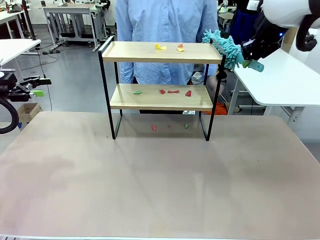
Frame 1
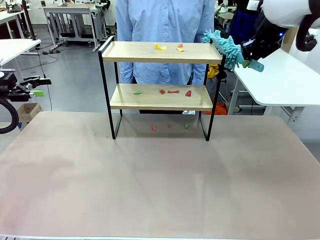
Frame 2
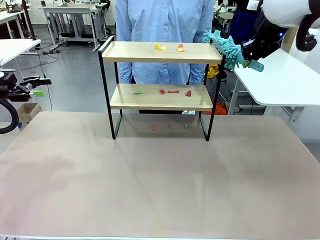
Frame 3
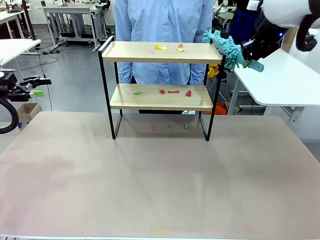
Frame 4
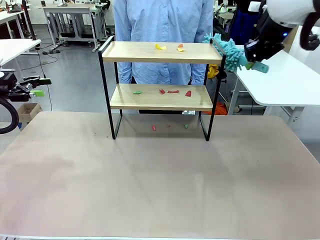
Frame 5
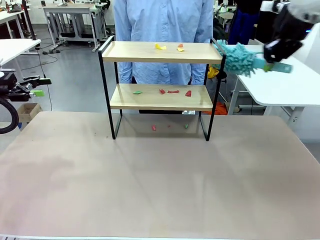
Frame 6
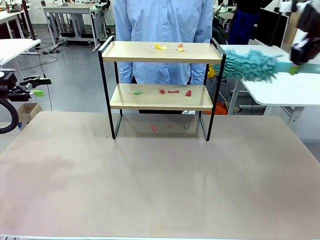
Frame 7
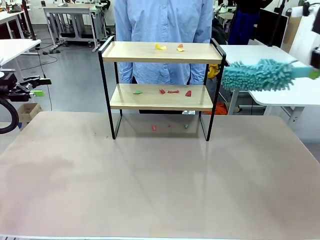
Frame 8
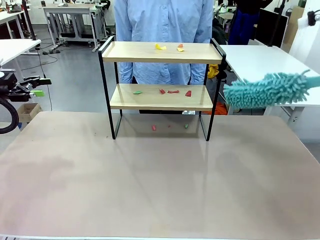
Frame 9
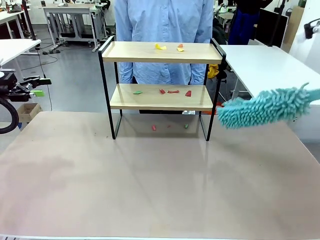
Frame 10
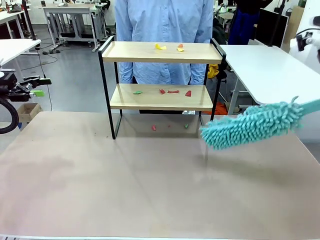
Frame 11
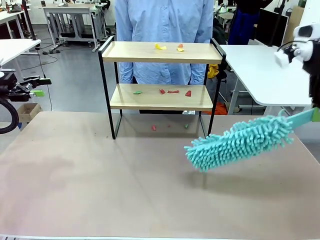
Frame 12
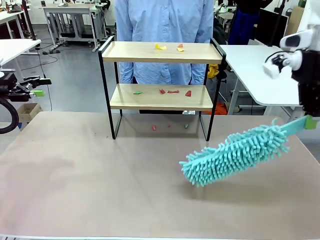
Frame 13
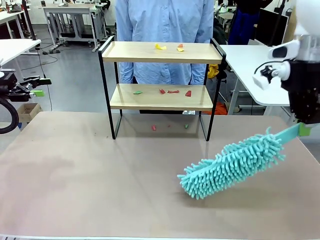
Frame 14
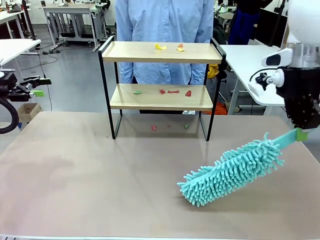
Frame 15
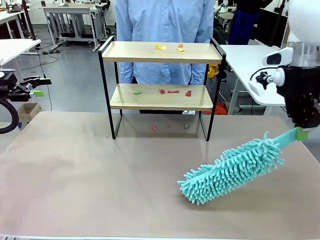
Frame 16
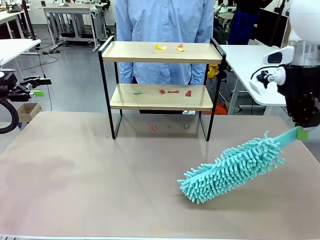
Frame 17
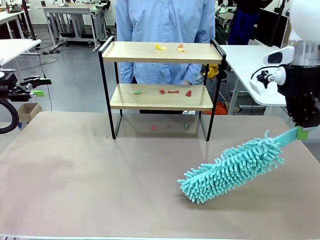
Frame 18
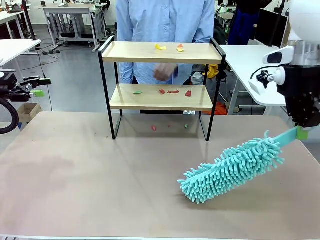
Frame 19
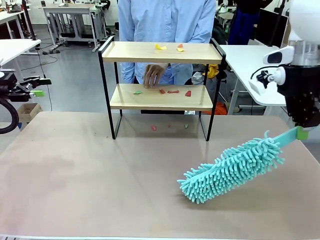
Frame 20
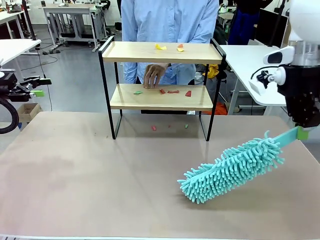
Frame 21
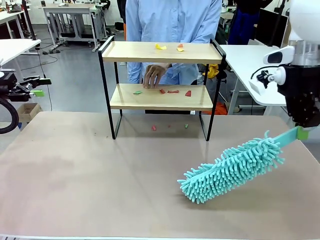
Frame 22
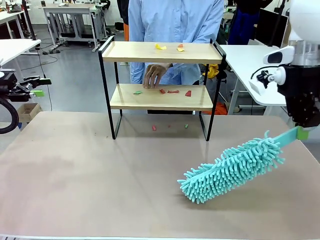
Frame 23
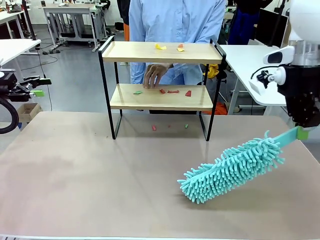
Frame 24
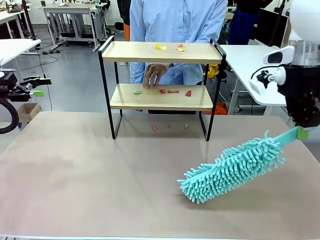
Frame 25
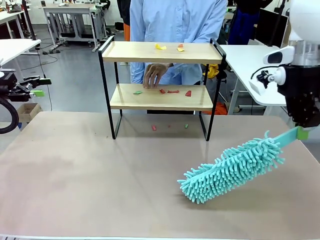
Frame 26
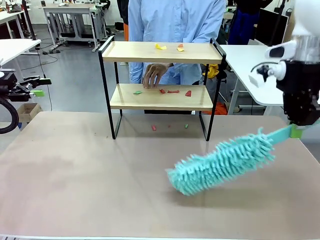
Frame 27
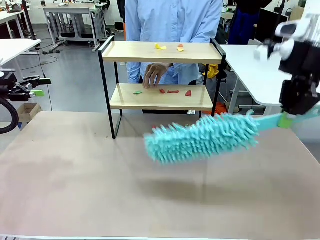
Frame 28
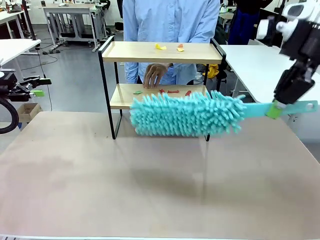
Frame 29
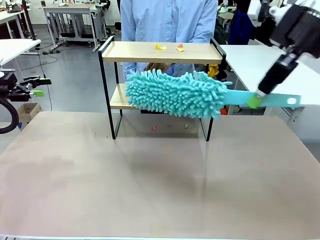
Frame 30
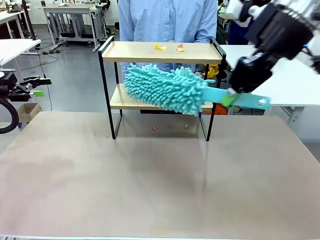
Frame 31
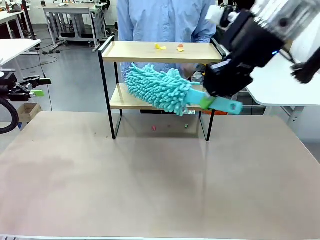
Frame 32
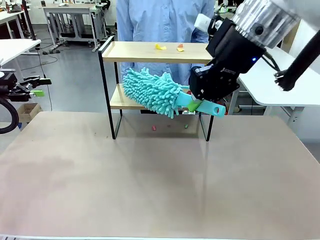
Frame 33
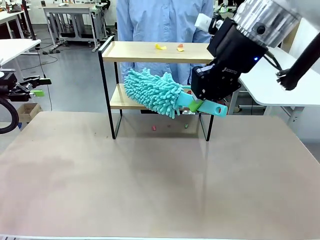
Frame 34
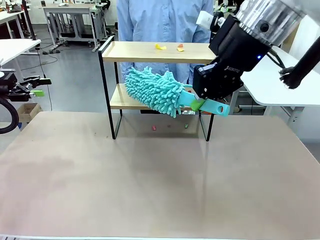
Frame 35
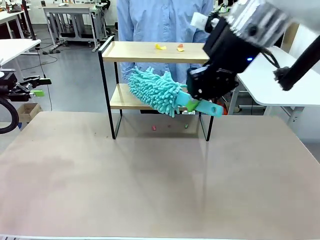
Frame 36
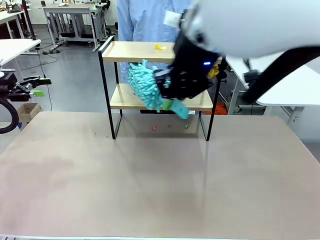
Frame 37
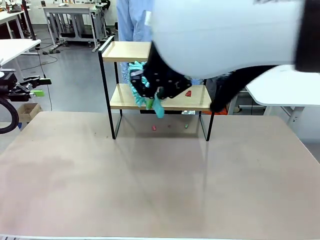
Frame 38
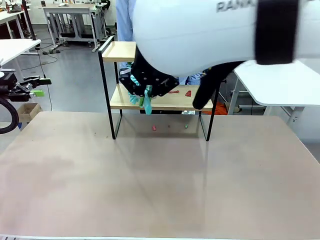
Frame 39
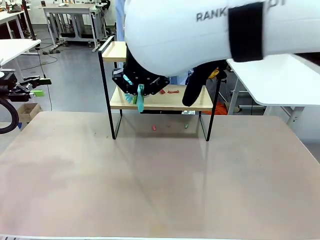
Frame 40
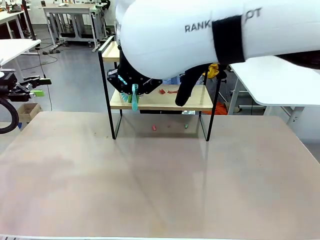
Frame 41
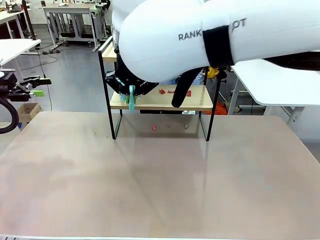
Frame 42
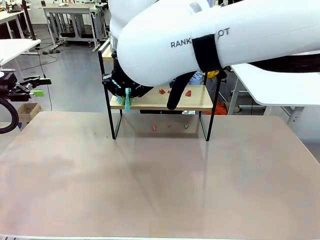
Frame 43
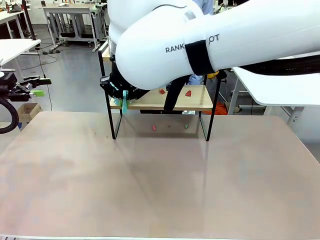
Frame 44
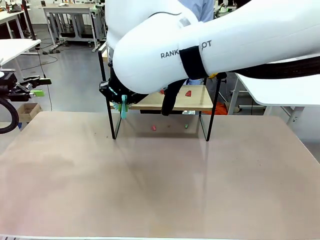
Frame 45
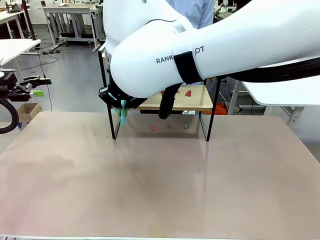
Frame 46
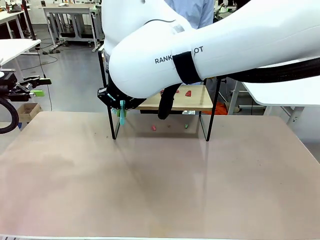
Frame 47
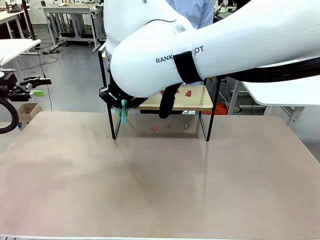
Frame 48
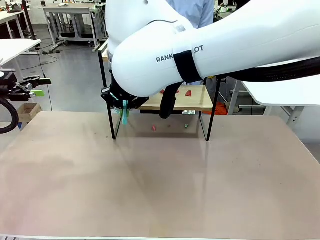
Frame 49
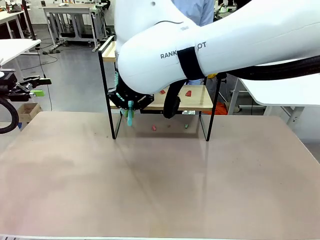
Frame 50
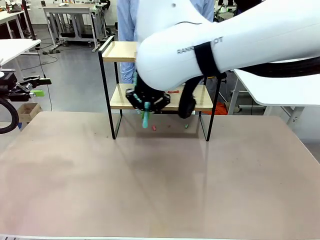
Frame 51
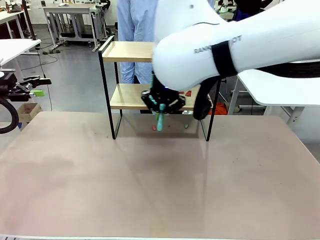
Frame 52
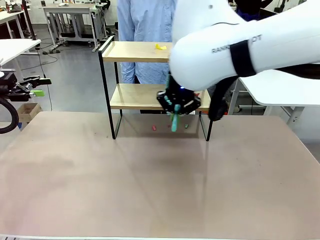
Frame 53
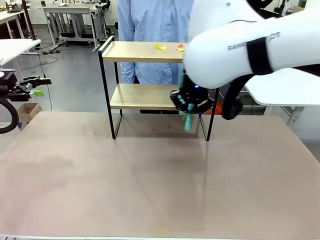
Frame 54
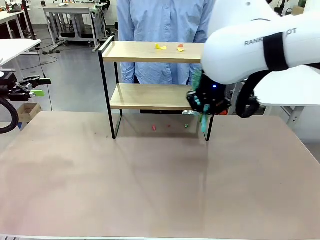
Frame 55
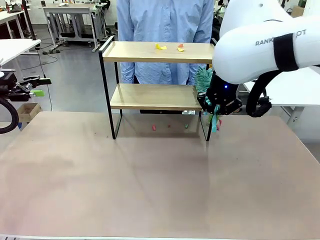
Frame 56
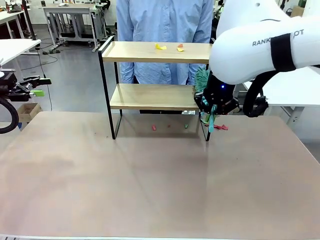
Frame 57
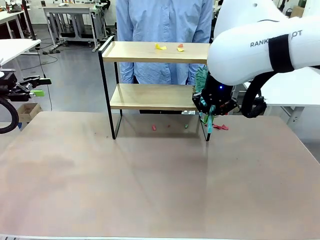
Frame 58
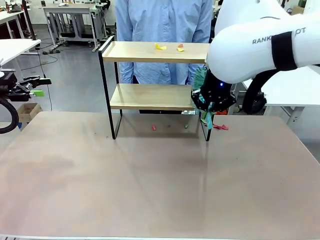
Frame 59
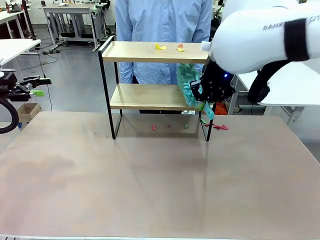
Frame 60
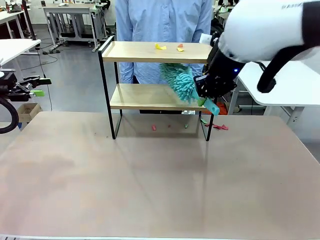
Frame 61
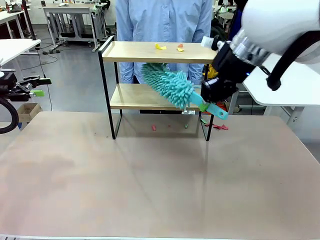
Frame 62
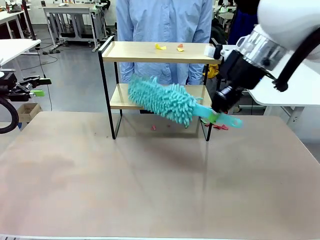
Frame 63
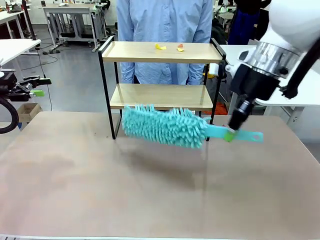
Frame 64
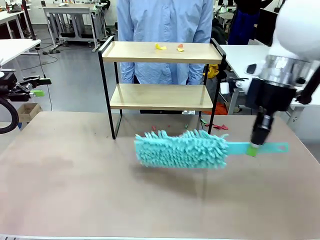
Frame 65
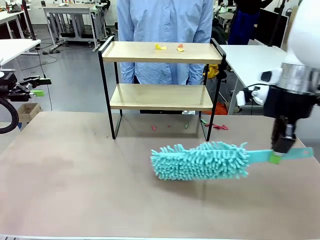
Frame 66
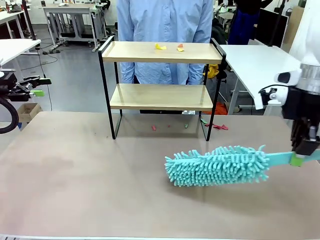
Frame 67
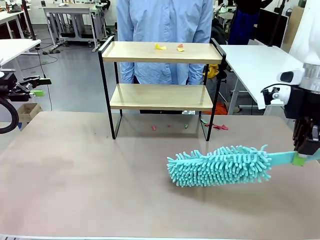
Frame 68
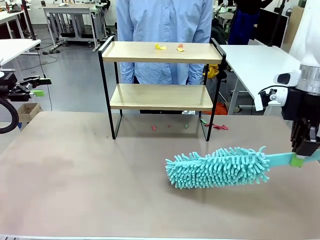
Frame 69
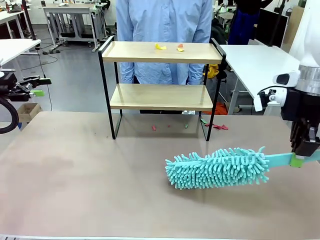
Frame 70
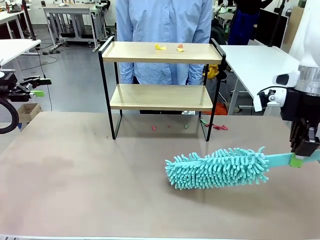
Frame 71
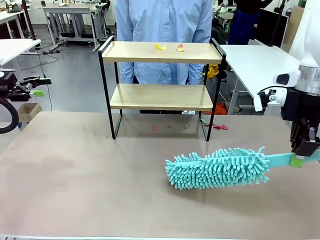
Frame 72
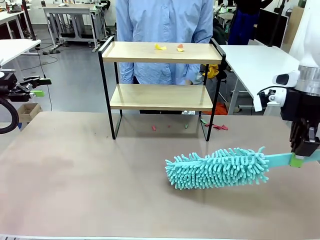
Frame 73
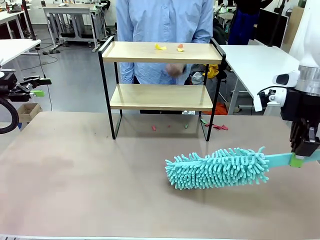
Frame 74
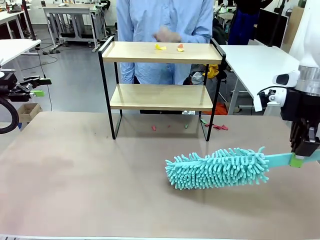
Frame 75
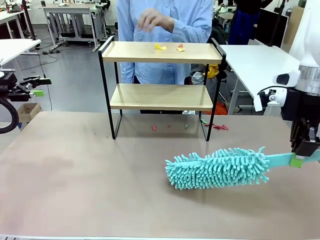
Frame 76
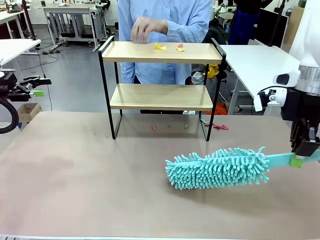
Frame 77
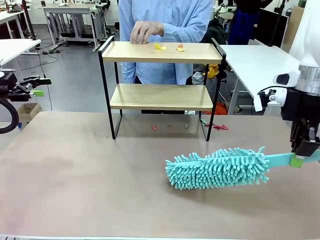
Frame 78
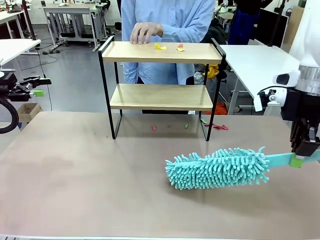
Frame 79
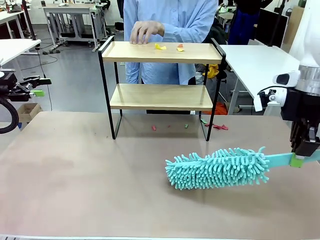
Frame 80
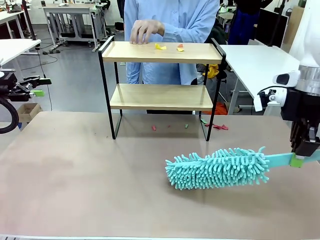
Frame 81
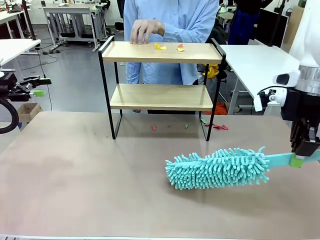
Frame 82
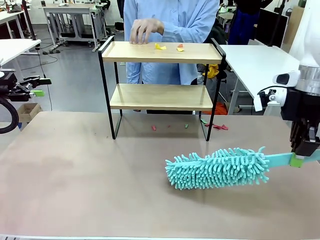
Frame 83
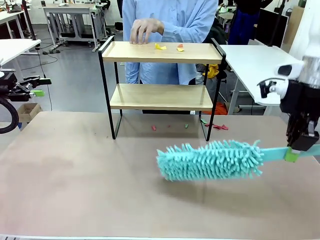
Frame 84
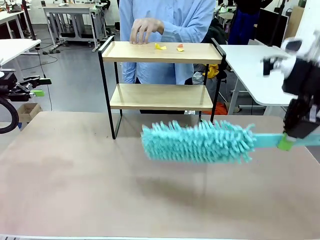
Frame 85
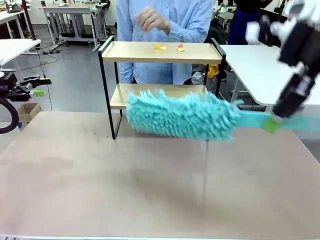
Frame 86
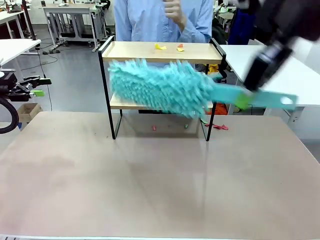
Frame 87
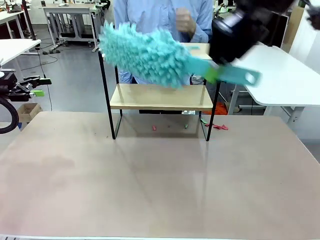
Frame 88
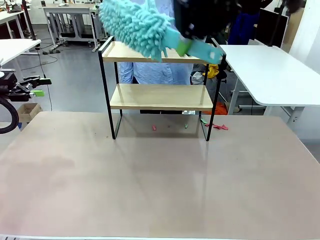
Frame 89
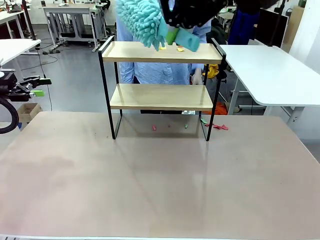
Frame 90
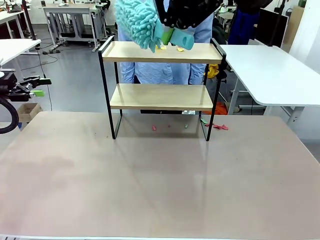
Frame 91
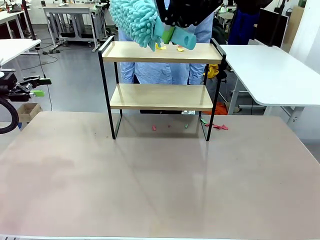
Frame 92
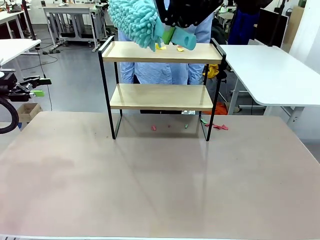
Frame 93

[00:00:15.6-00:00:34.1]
Task: Clean the shelf.
Robot: Clean the specific section of the Shelf indicated by the human with the Duster.
Person: Point a random section of the Shelf.
